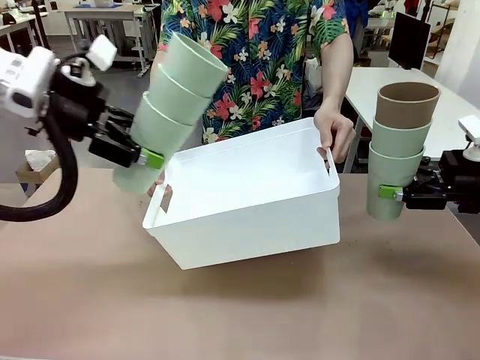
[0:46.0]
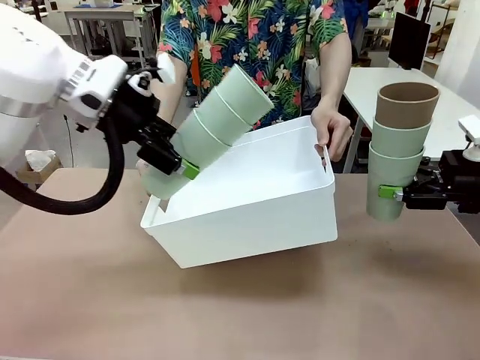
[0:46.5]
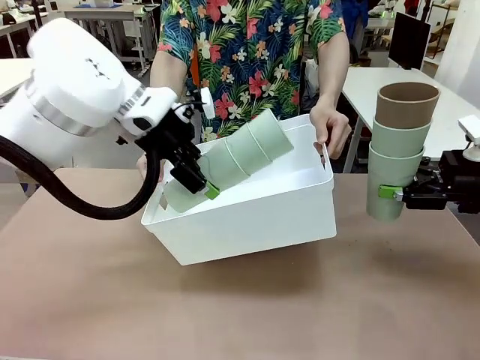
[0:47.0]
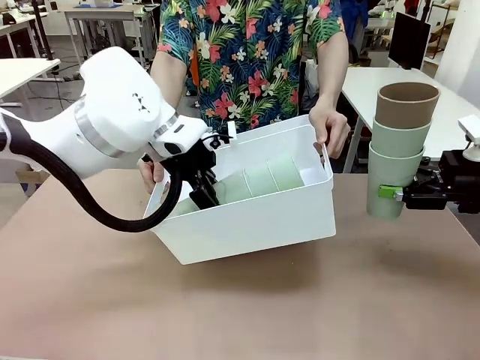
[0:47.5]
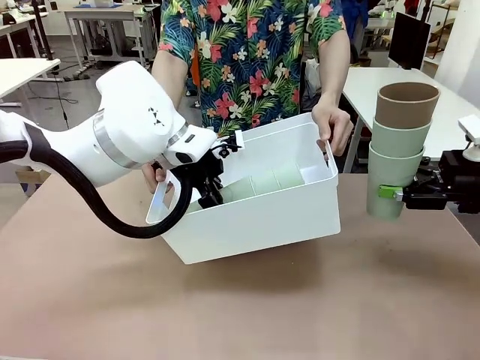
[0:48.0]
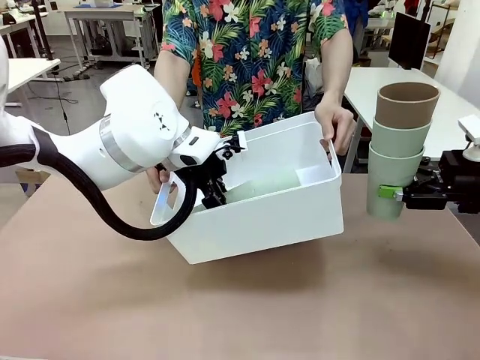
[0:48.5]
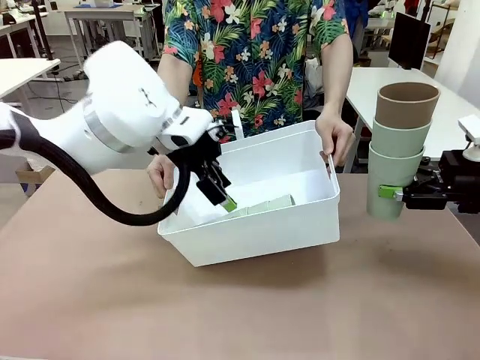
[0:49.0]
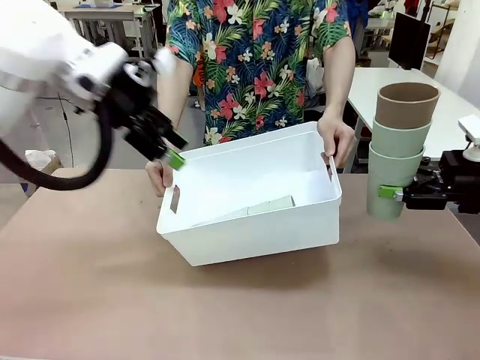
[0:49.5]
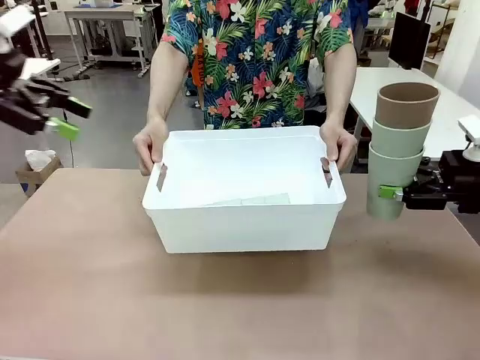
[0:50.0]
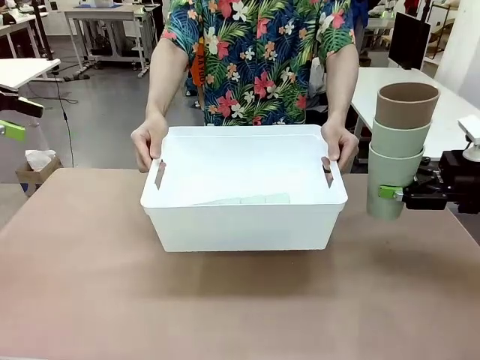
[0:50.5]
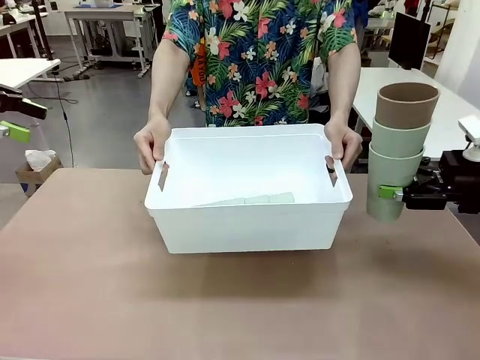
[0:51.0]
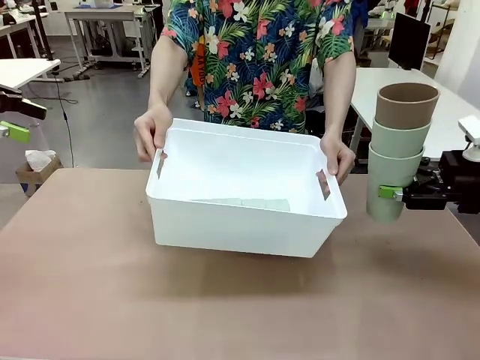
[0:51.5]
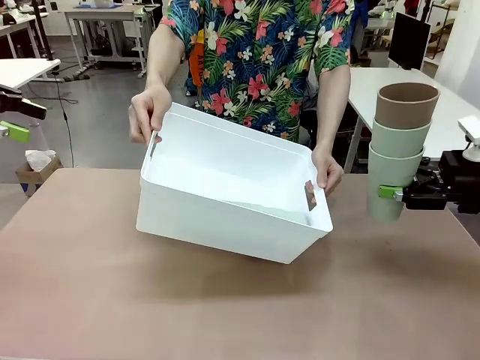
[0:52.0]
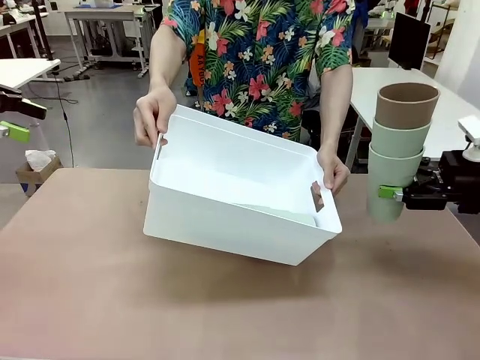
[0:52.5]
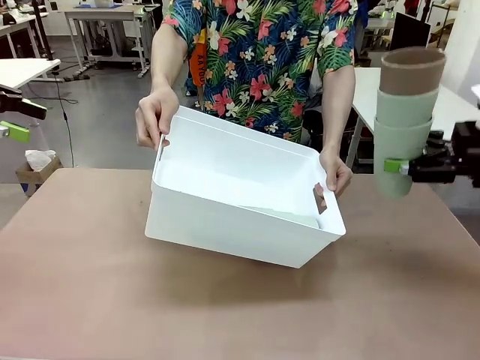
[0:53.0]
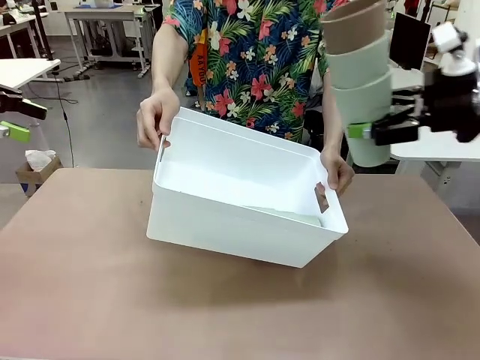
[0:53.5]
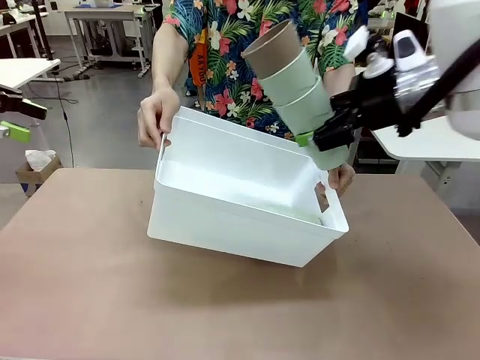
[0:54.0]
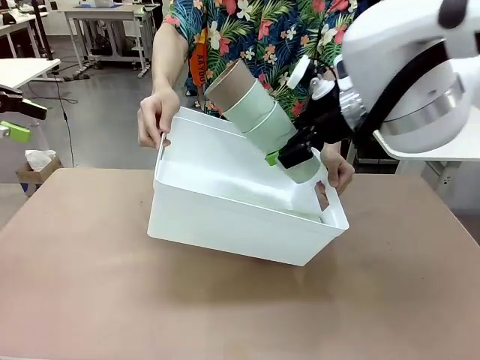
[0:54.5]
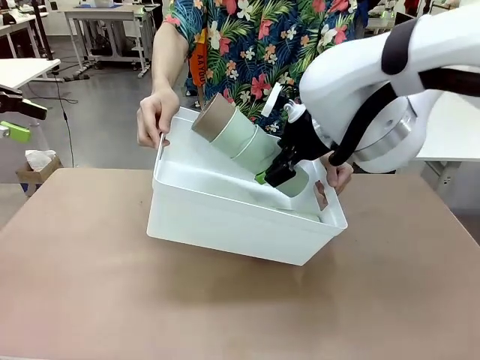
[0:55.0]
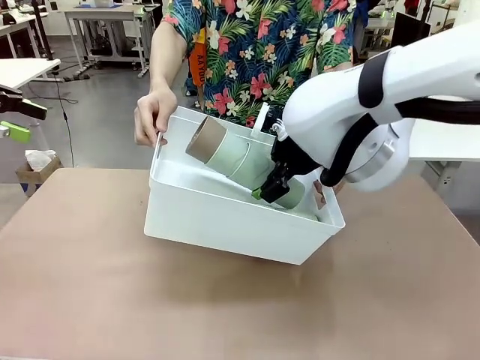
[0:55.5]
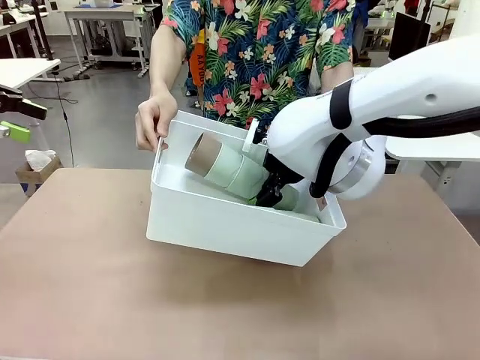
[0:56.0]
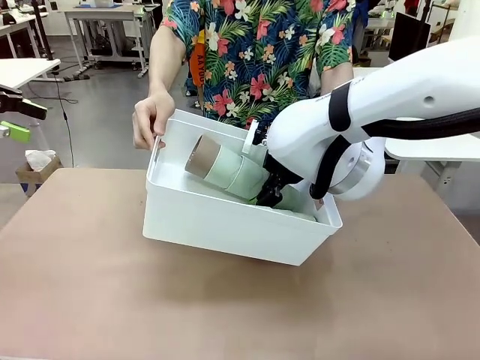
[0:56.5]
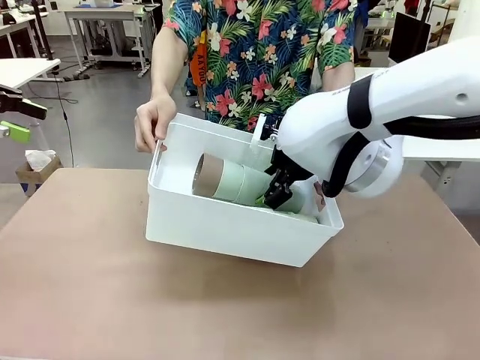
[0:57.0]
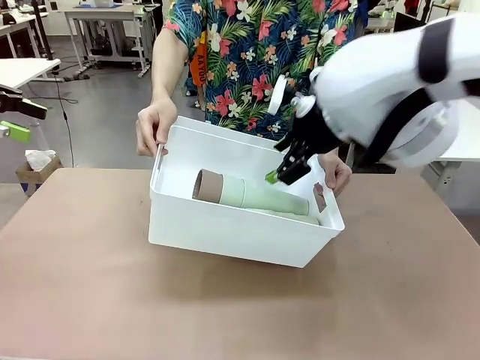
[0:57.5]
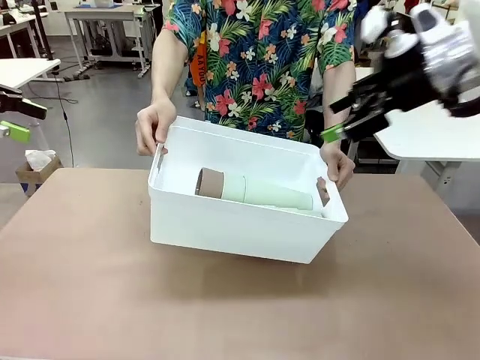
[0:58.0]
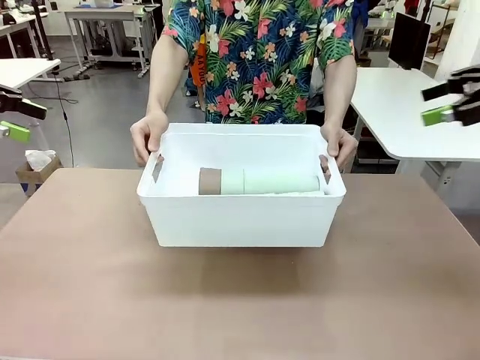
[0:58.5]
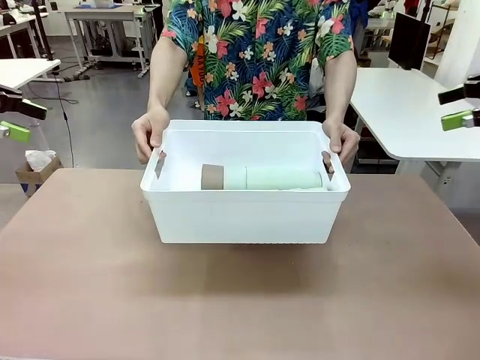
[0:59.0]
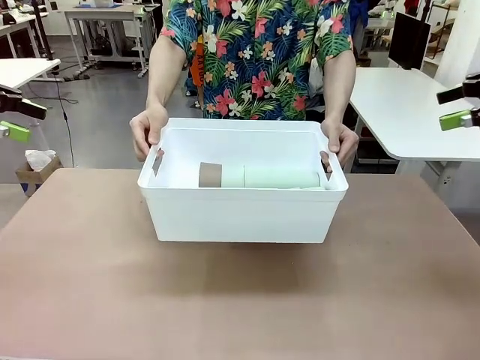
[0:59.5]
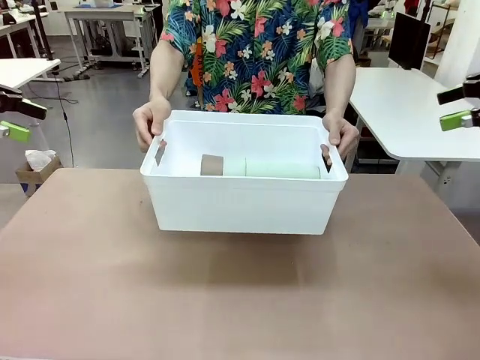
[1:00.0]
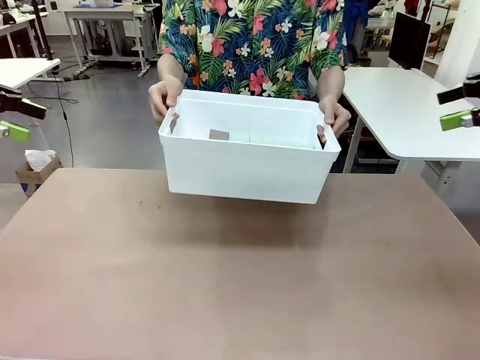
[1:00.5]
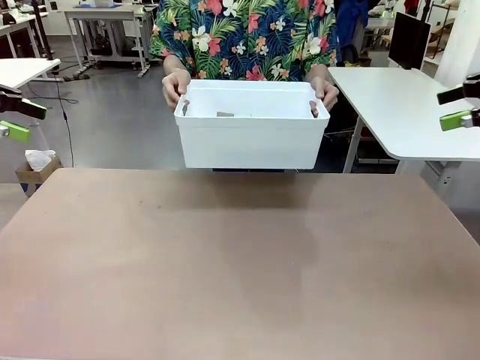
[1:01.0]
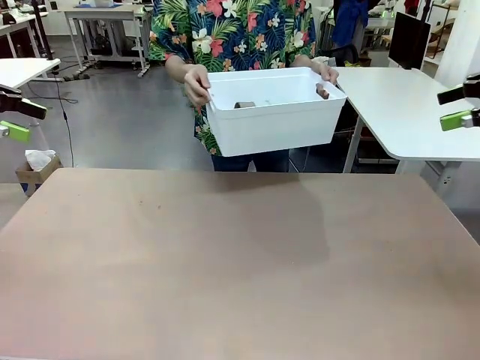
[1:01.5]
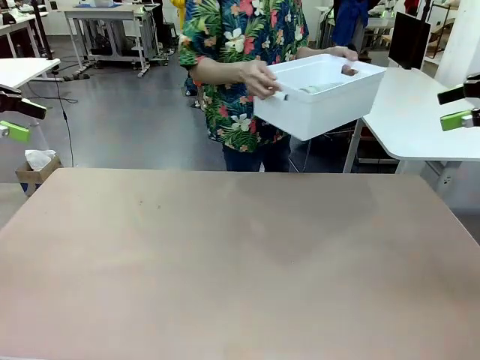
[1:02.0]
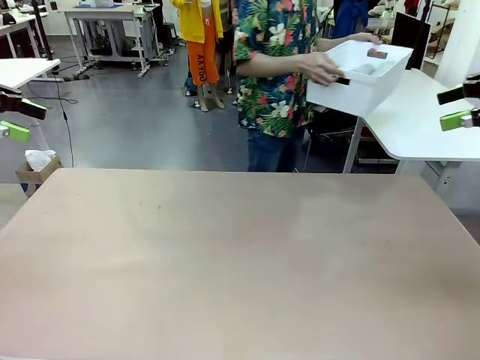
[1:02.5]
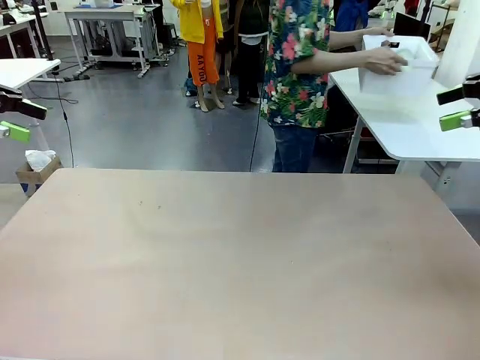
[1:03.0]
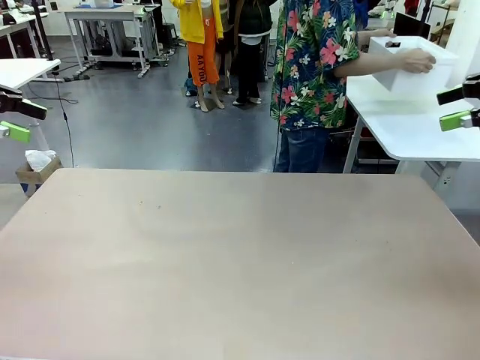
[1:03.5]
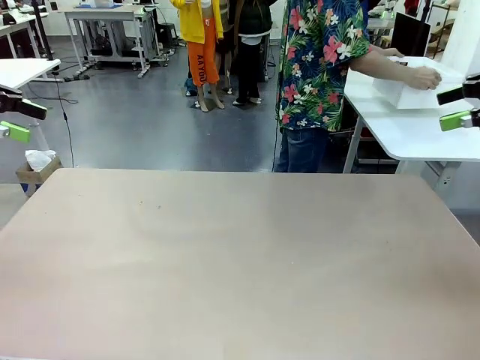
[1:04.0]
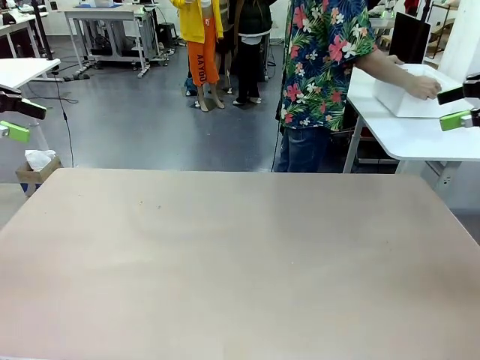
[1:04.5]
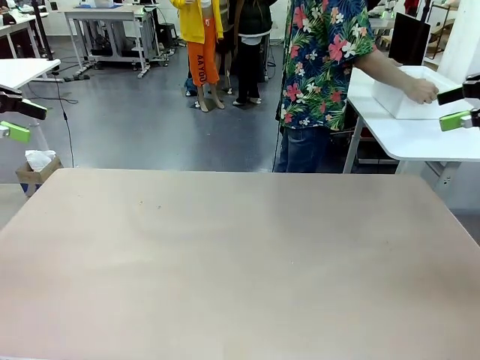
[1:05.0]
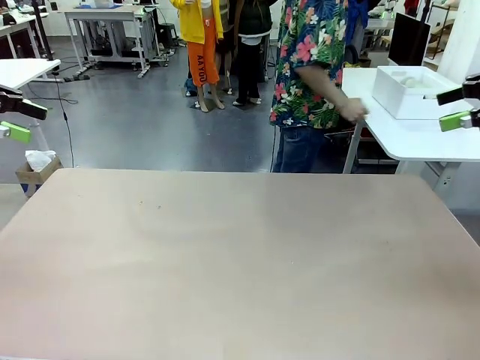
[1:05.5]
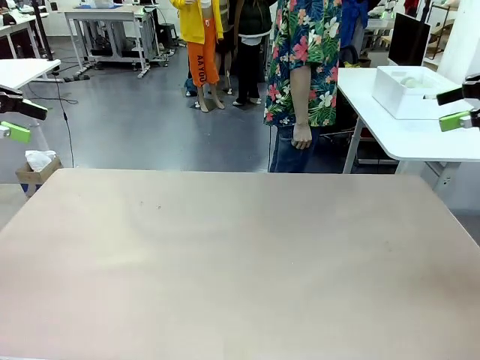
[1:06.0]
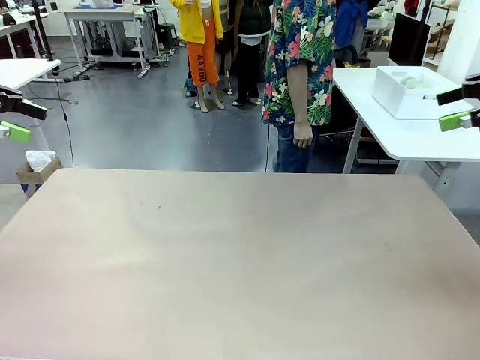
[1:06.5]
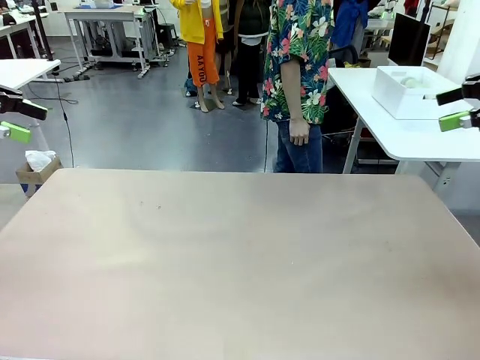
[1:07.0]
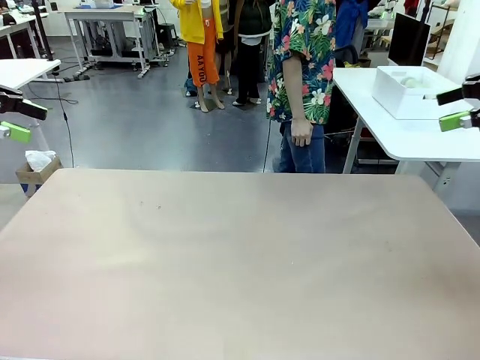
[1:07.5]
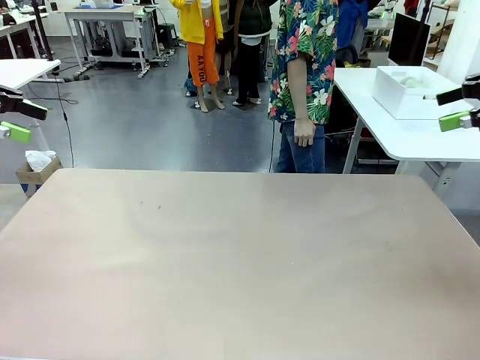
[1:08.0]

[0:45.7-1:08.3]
Task: Stack the cups and store them in the basket.
Robot: Place the stack of Reusable plastic cups into the Pantry Basket.
Person: Place the basket containing the cups in the middle of the Human Table.

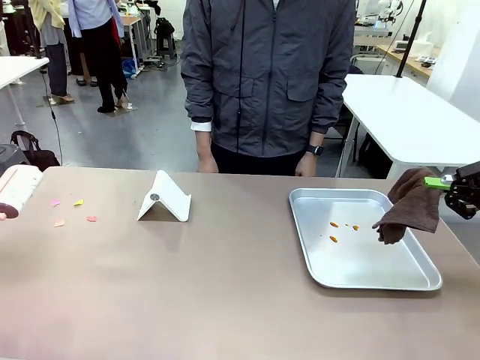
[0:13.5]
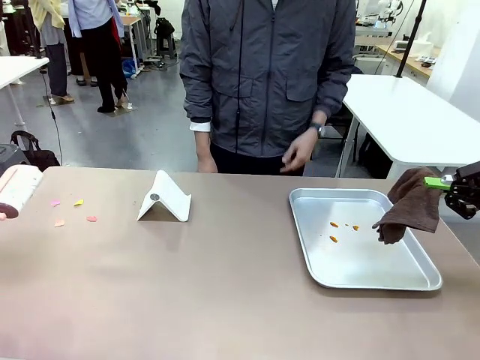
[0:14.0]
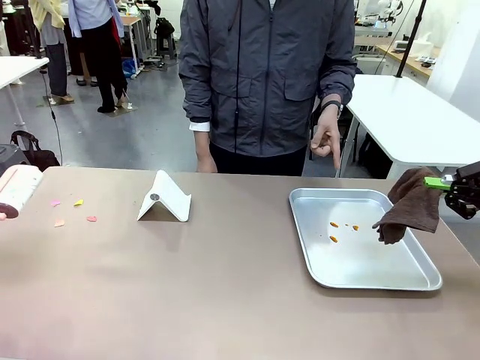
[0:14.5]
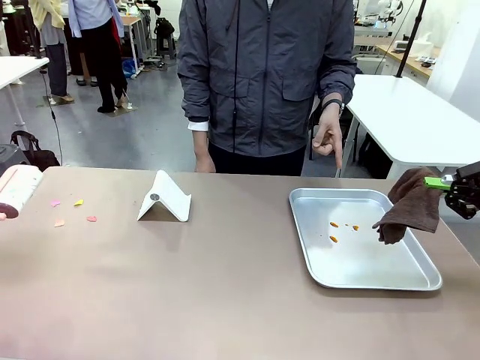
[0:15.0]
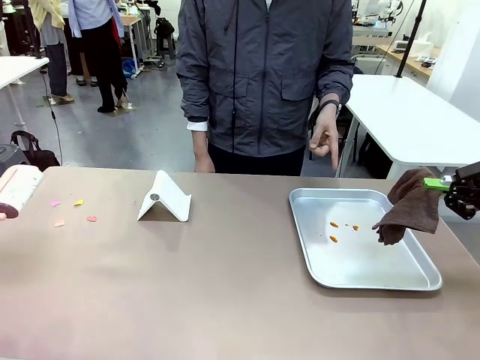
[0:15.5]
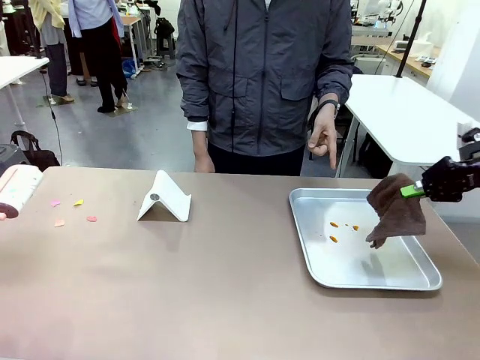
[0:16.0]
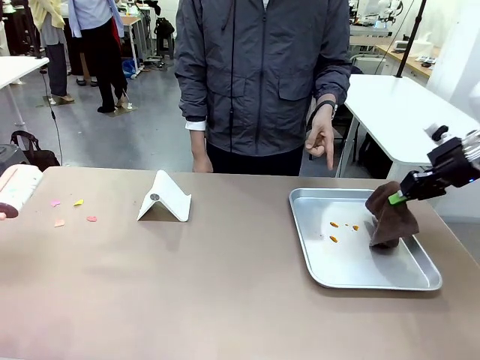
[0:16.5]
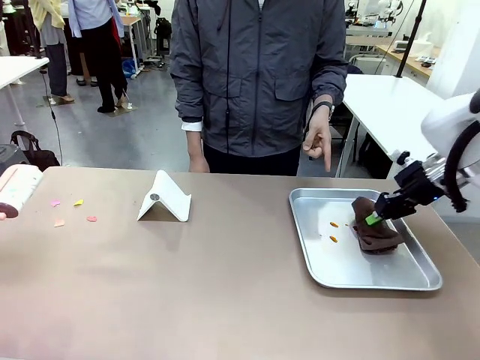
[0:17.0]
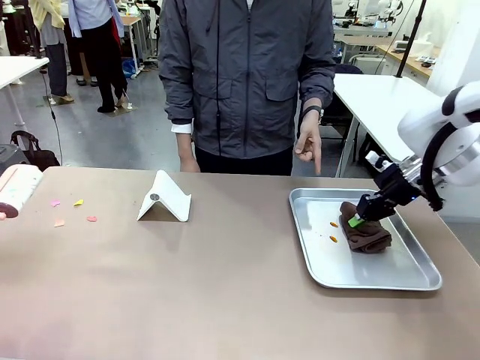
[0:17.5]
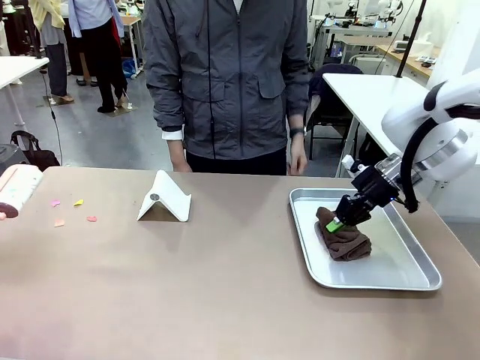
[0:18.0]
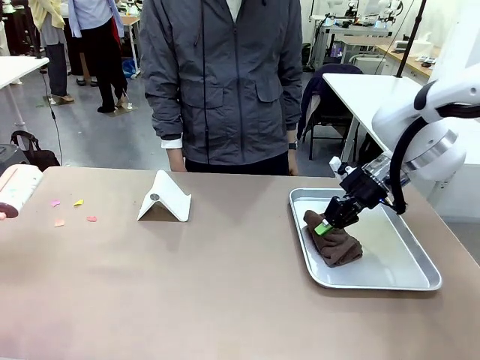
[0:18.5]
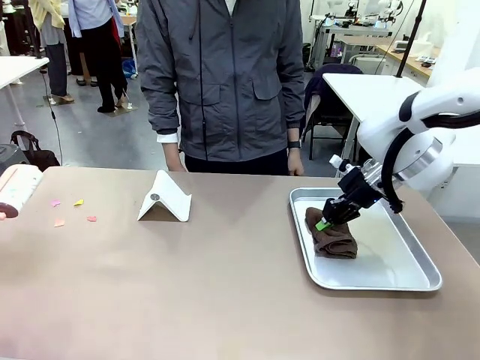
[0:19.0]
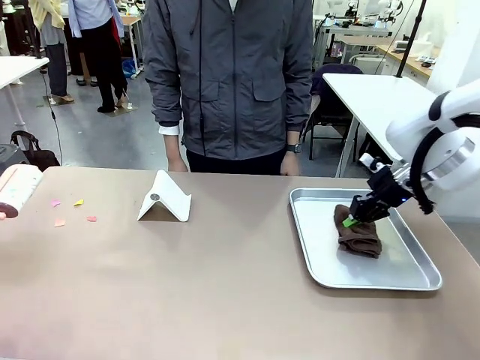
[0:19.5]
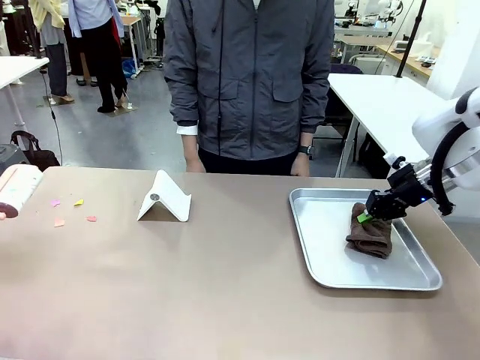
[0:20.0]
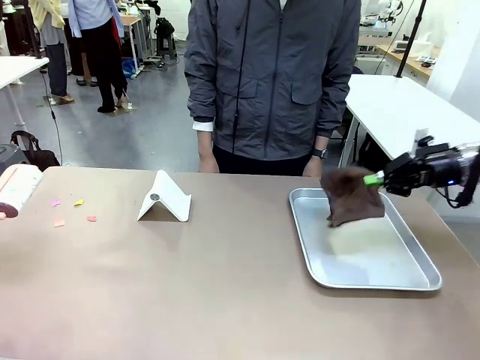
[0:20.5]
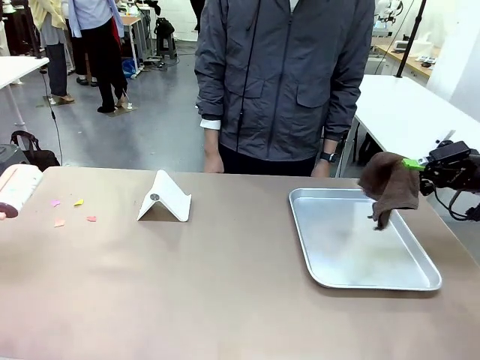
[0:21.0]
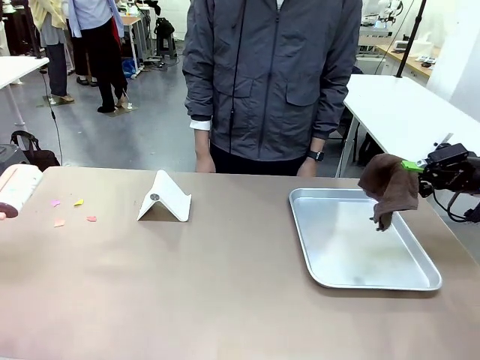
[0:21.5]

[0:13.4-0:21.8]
Task: Clean the surface of the table.
Robot: If a person points to the right, clean the right side of the table with your right hand, and if they point to the left, clean the left side with your left hand.
